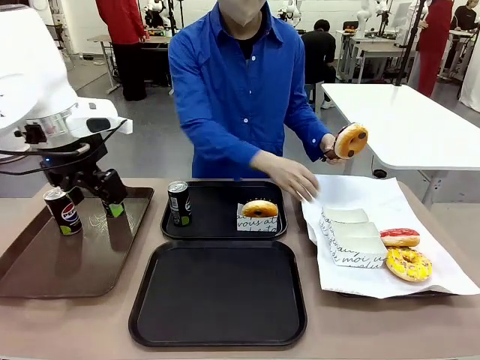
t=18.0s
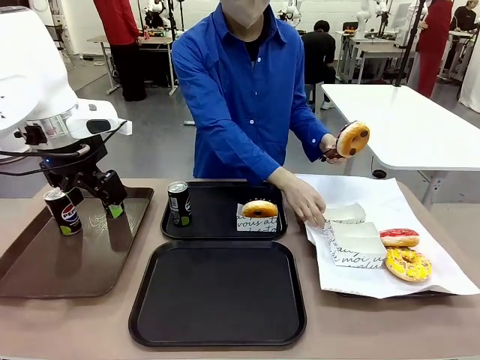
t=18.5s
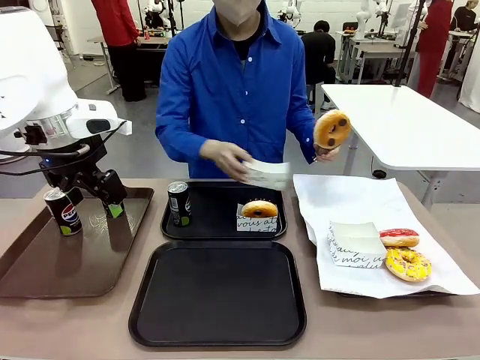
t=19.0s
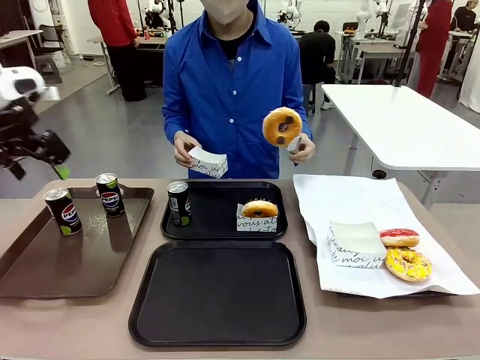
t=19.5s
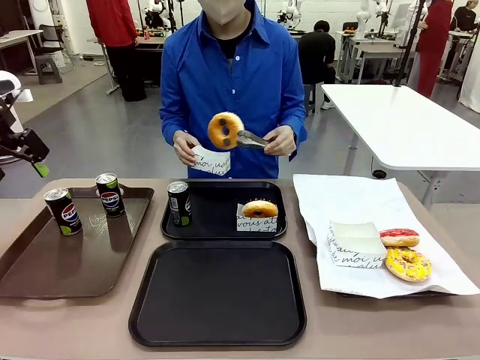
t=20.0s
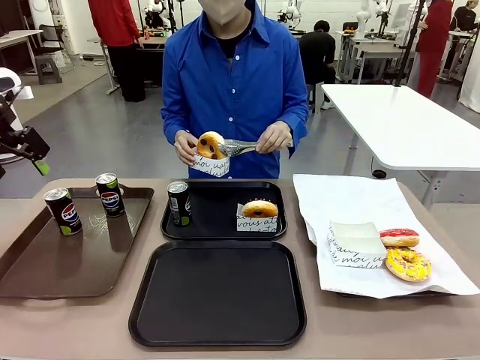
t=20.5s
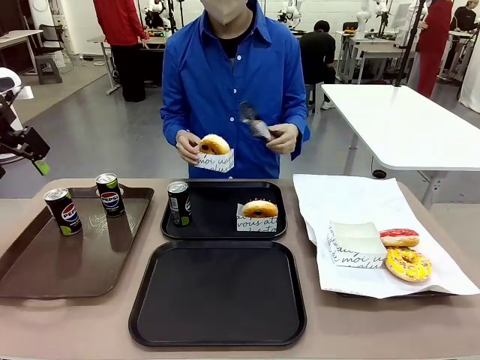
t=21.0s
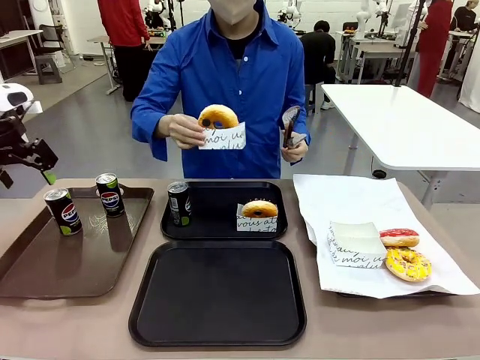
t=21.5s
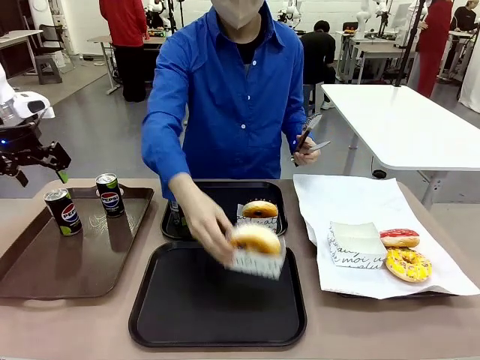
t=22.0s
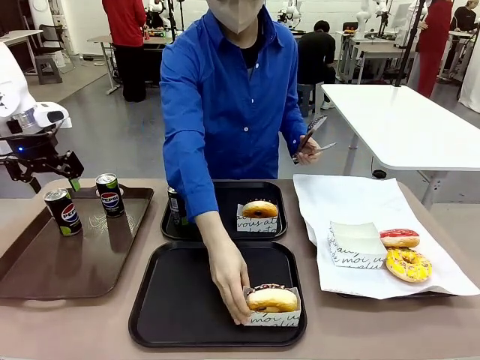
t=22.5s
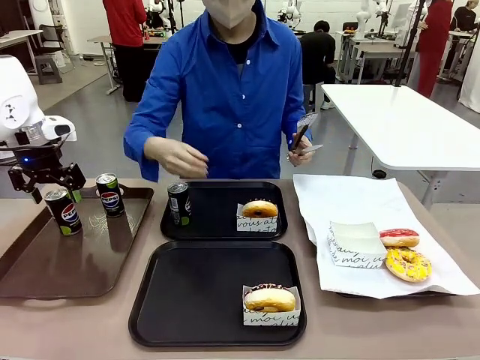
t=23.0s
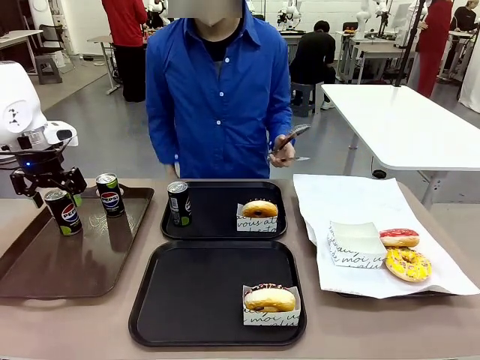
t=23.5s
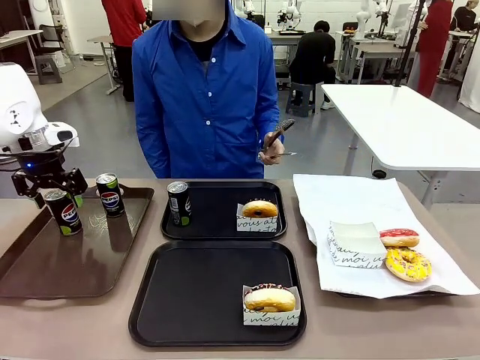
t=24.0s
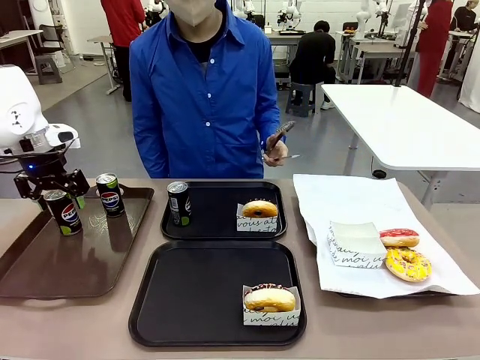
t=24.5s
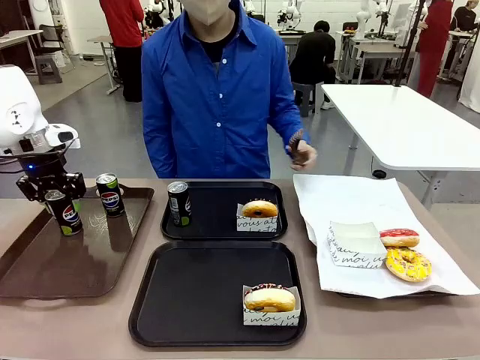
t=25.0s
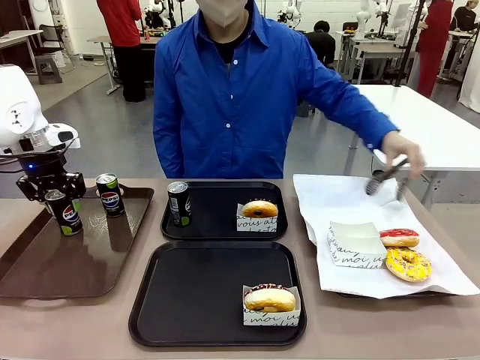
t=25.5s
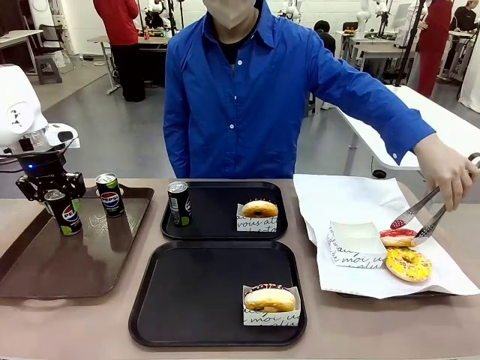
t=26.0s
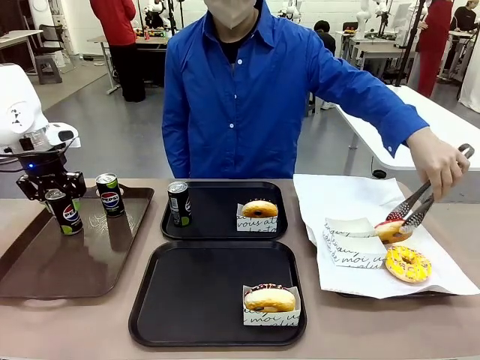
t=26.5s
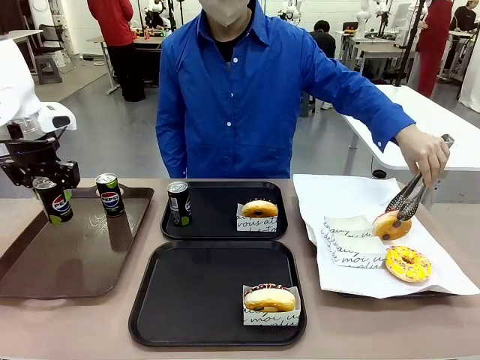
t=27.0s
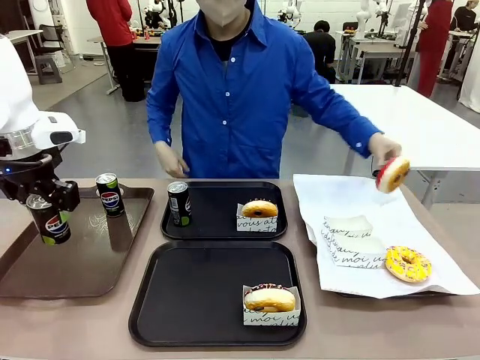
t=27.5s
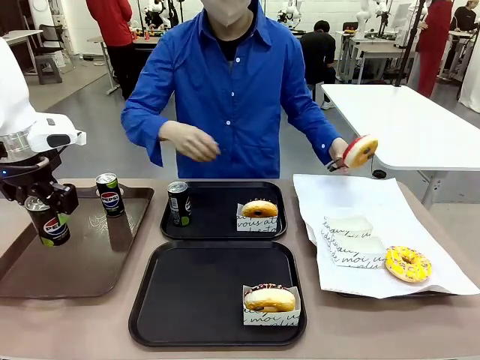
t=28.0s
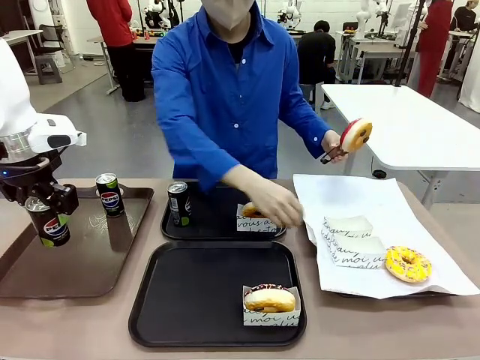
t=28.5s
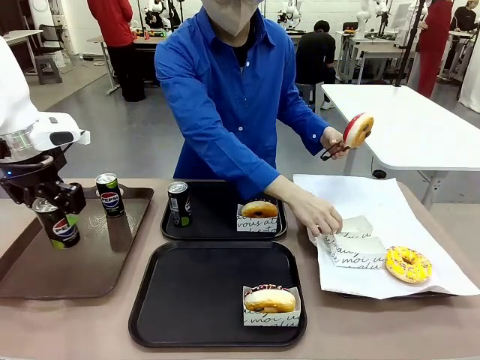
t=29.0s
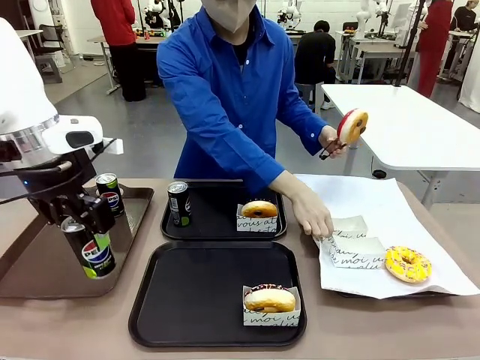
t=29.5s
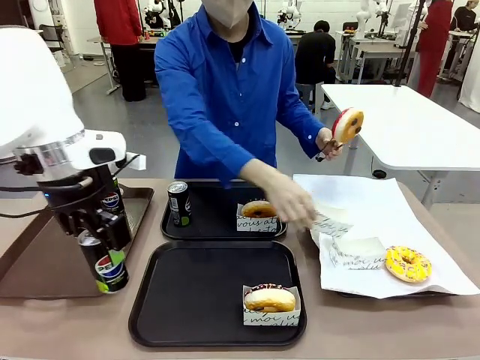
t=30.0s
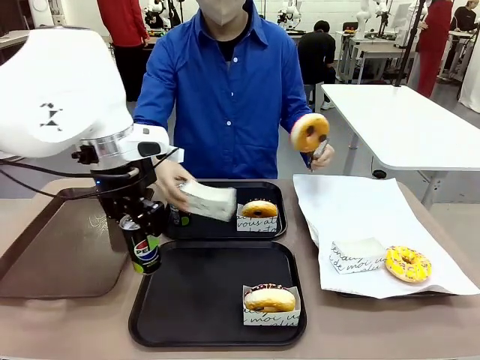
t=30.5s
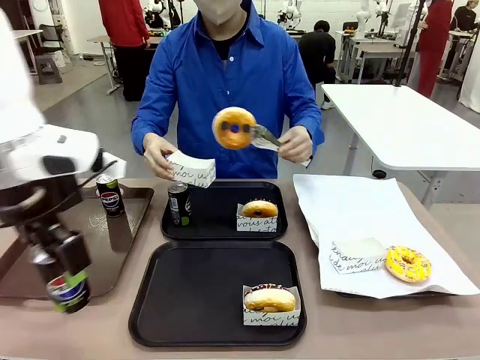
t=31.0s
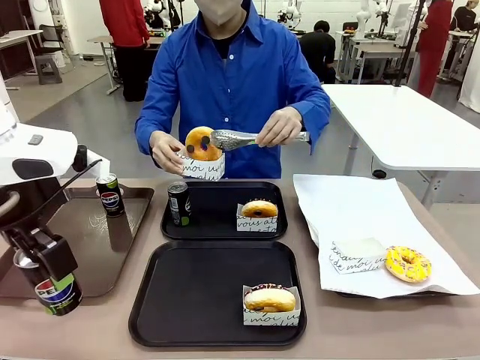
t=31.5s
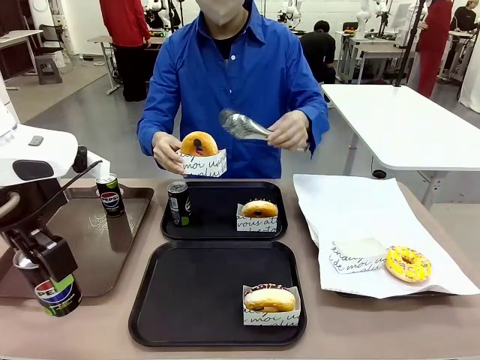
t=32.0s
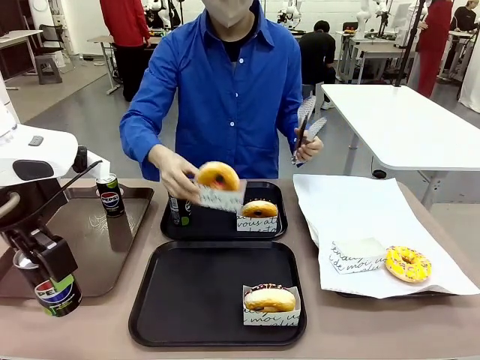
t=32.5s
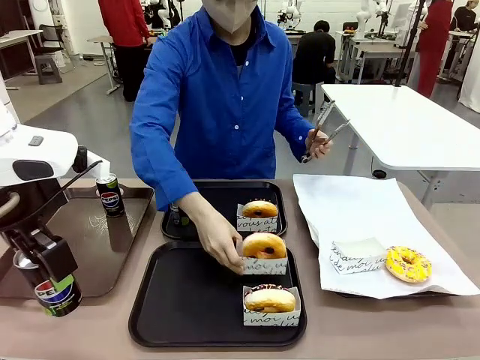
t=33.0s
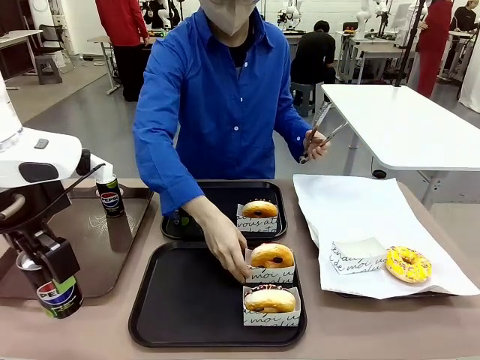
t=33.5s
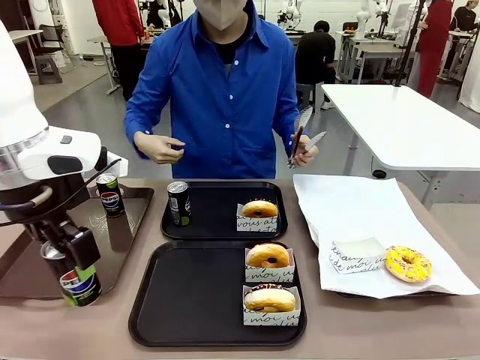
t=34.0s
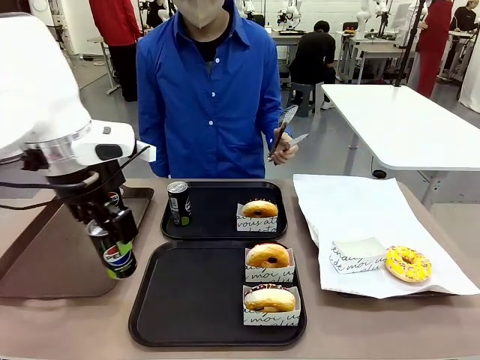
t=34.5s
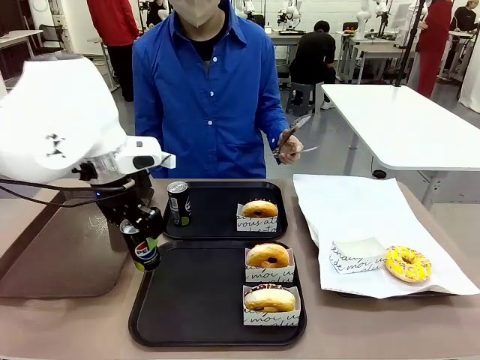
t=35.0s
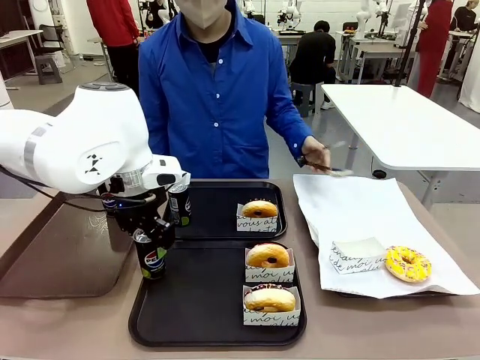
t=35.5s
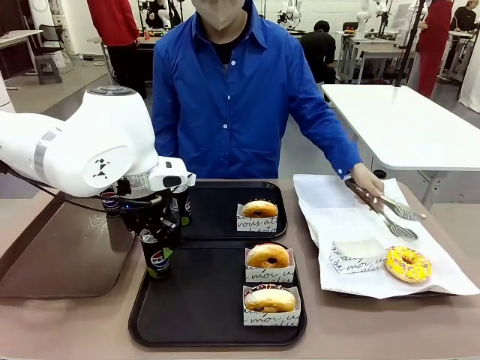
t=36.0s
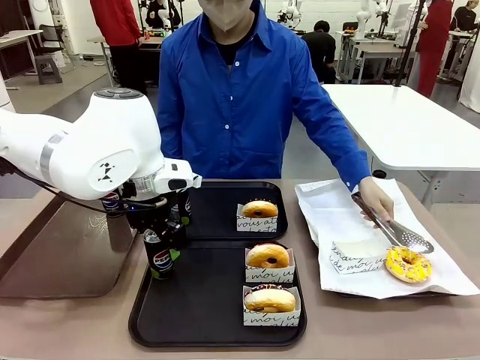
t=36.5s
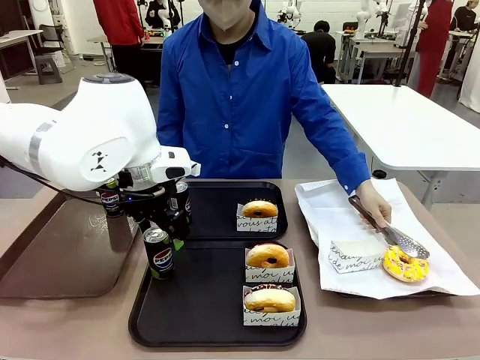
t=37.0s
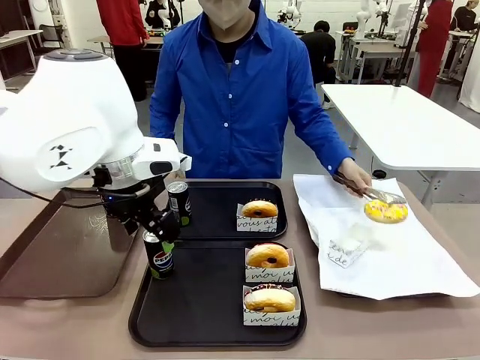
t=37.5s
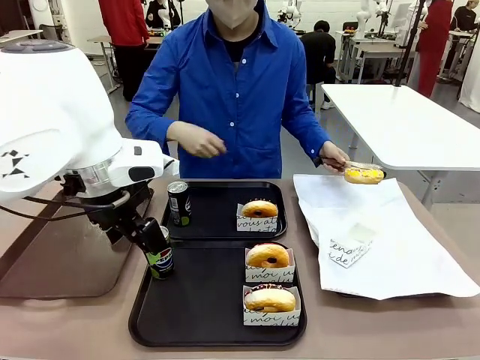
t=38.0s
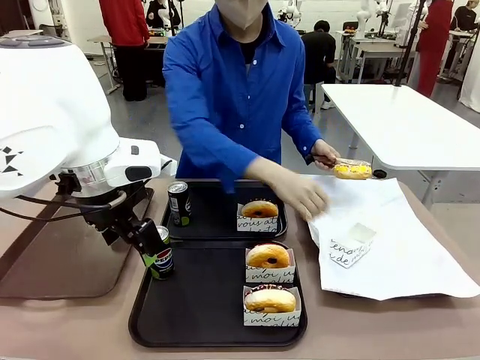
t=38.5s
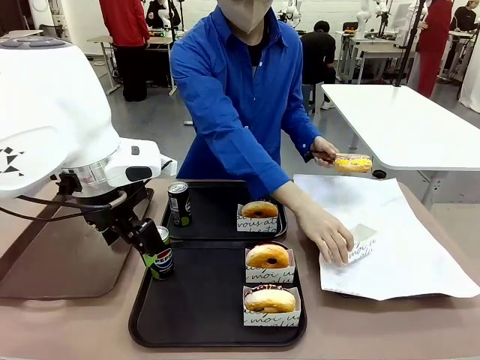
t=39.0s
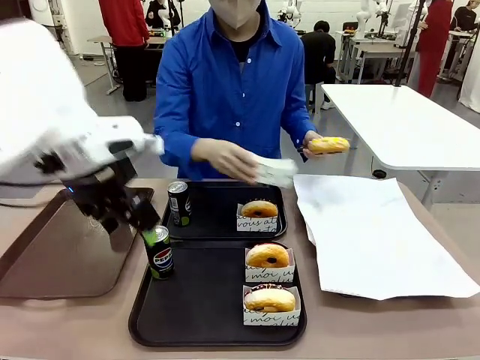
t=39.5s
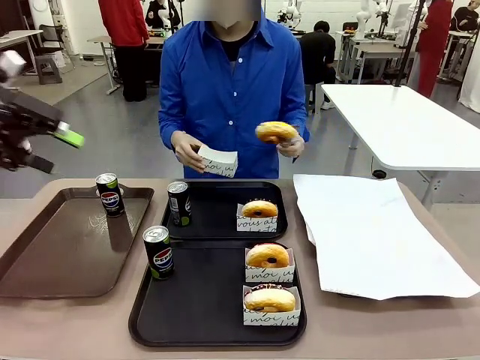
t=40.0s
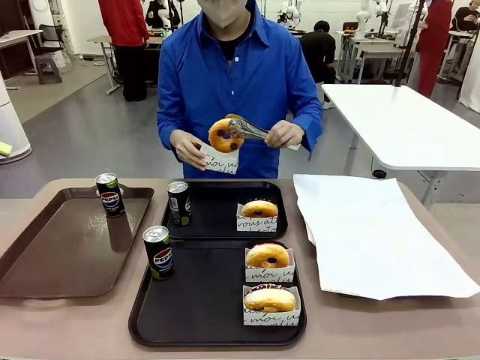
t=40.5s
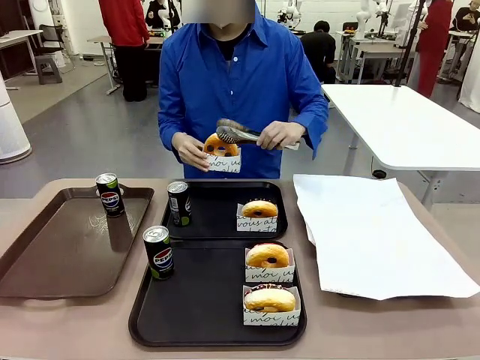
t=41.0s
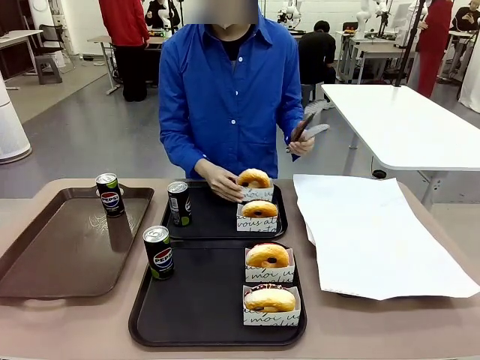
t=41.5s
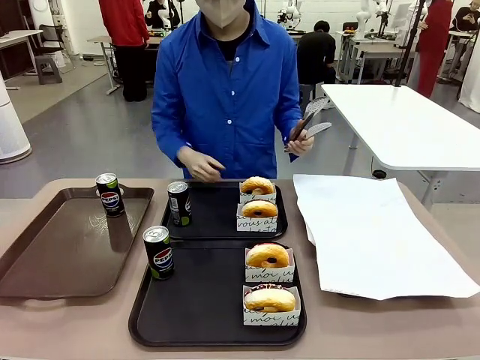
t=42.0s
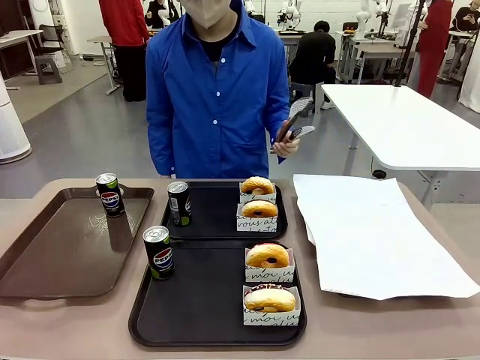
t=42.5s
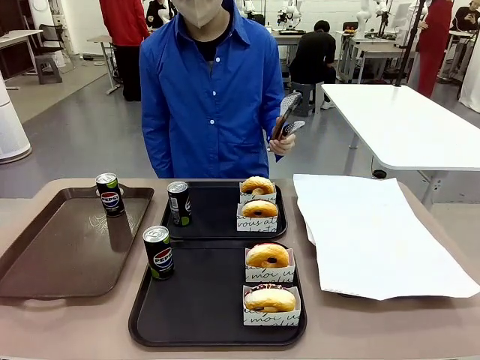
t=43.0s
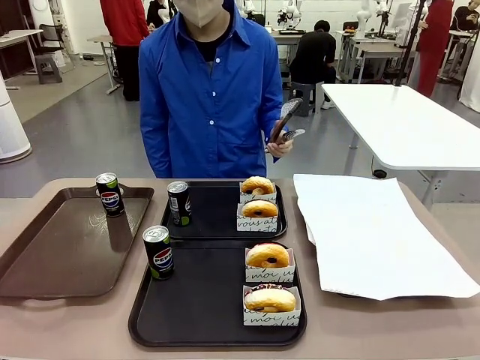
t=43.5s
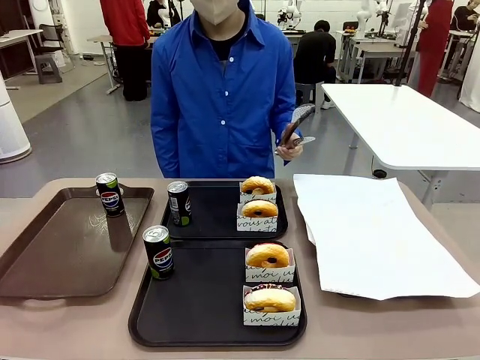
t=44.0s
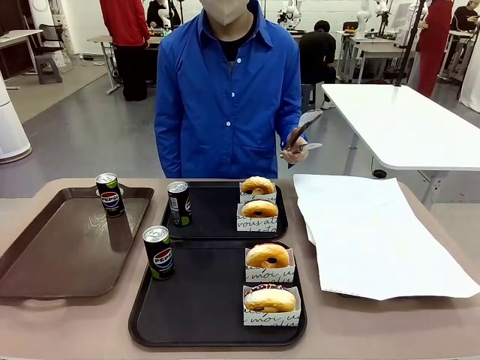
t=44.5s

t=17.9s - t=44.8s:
Task: Set up donuts and drinks on trays.
Robot: Pick up one Pepsi coke from the Handle tray and place it on the Flat Tray without a Pepsi coke.
Person: Pick up one donut with tongs, place it in the donut tray, and then place the donut tray on the flat tray.
